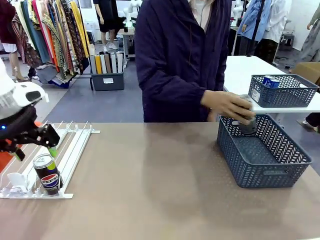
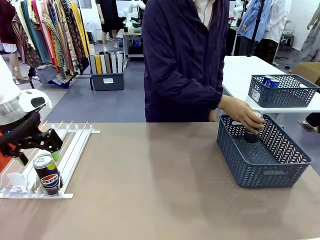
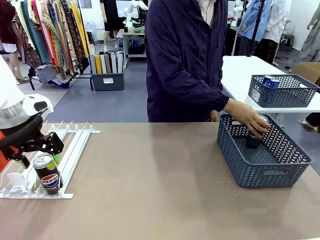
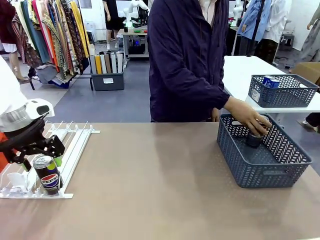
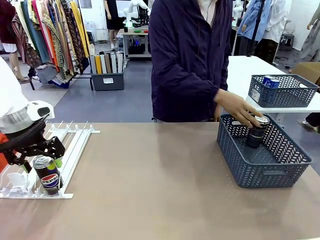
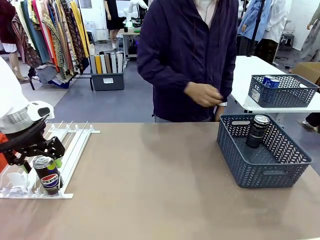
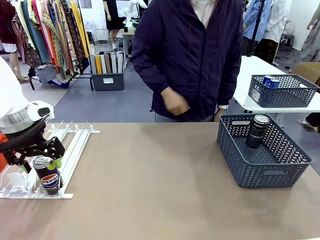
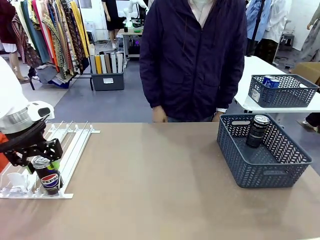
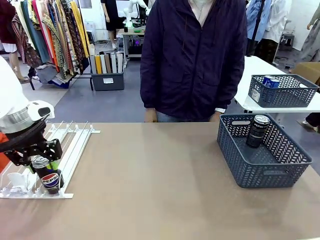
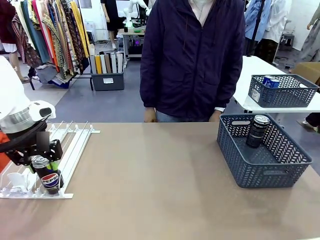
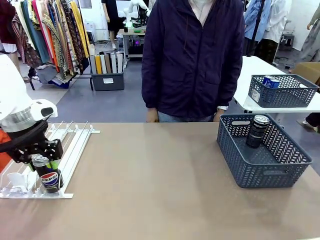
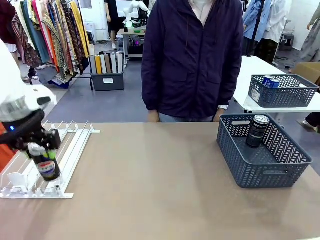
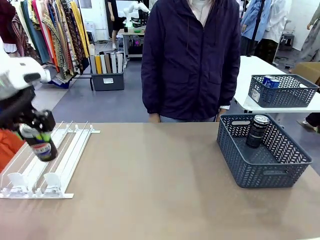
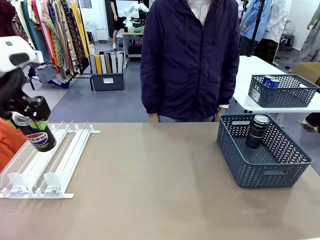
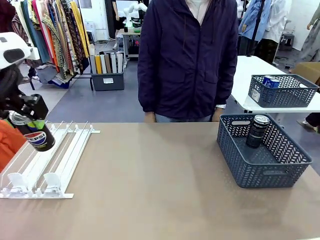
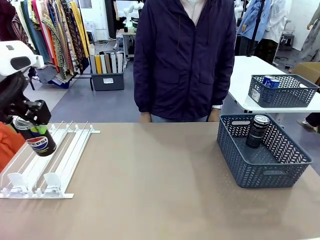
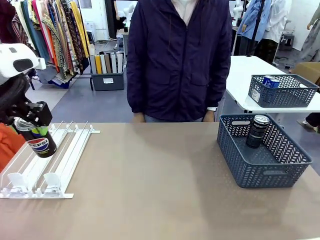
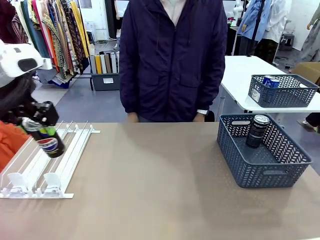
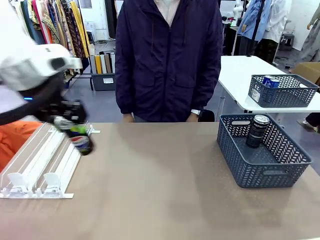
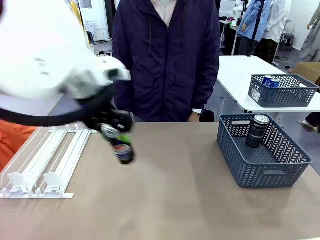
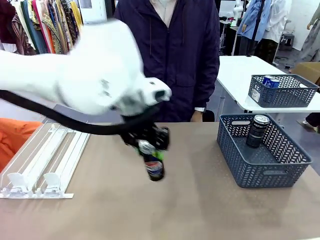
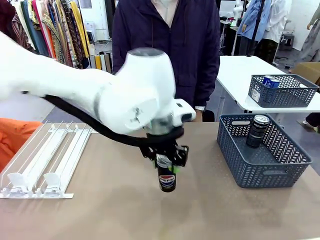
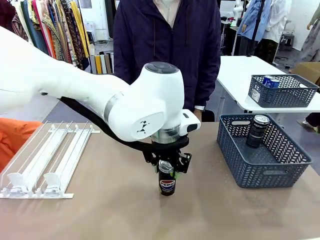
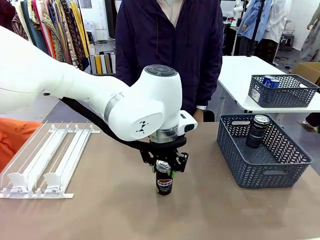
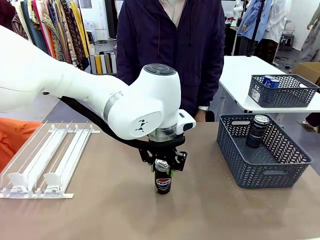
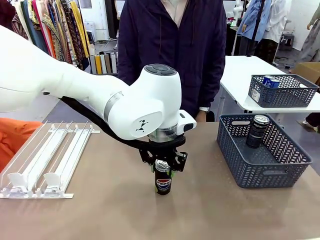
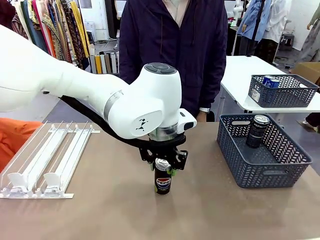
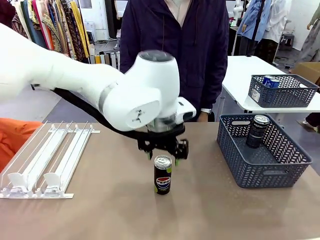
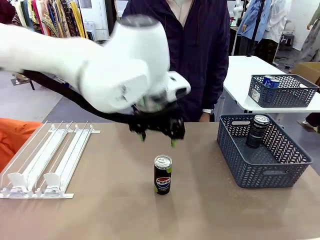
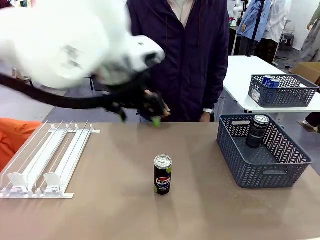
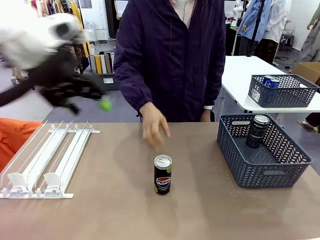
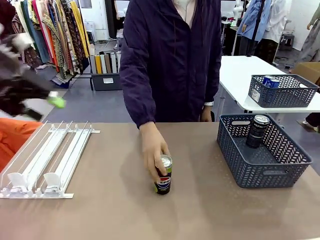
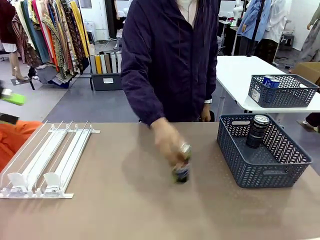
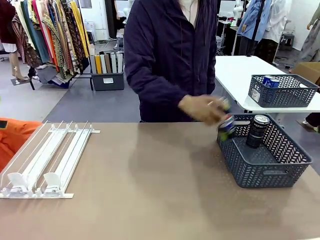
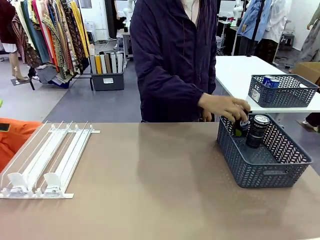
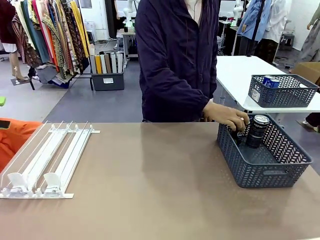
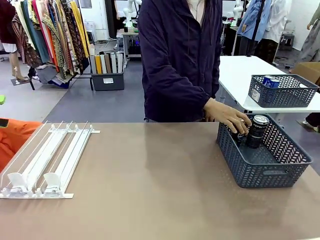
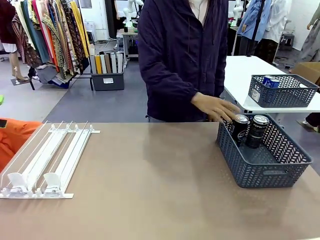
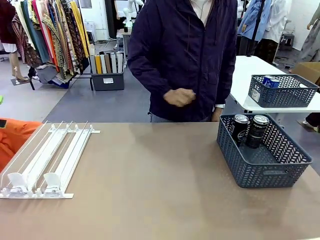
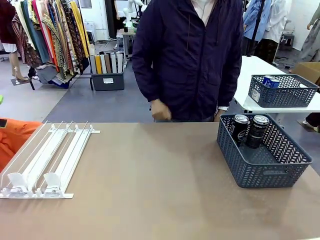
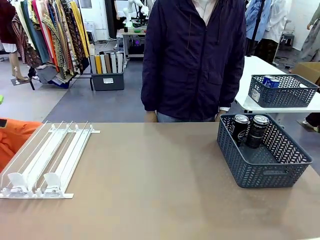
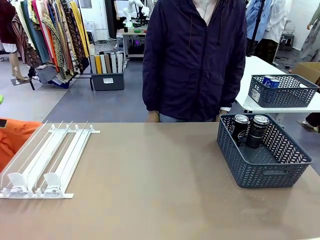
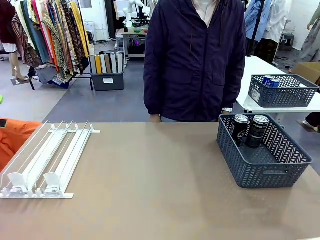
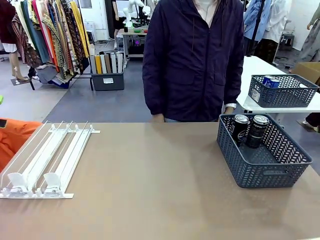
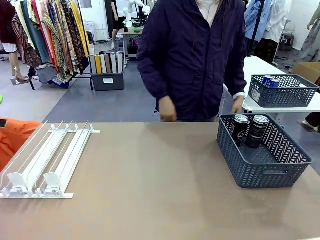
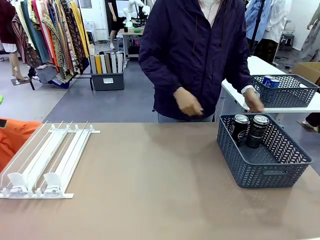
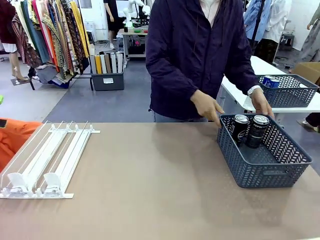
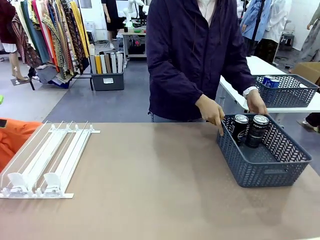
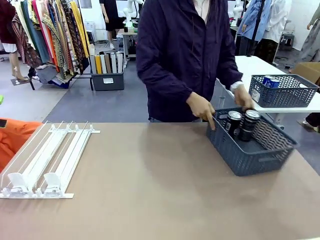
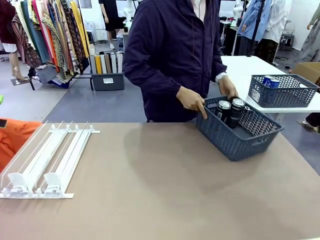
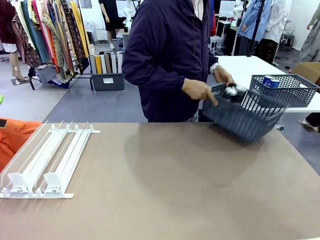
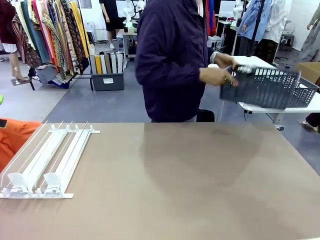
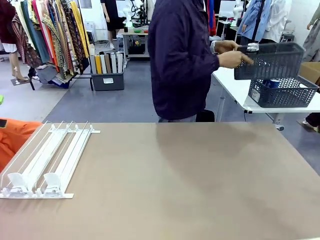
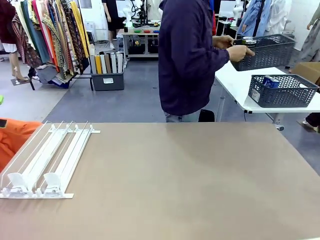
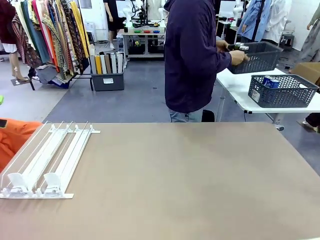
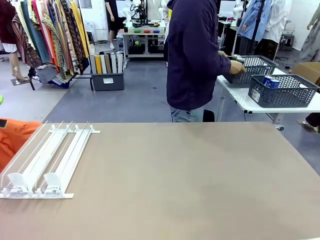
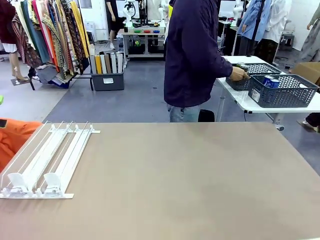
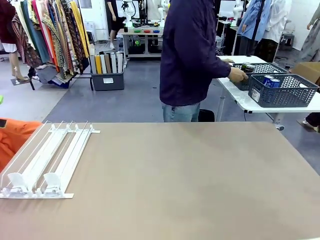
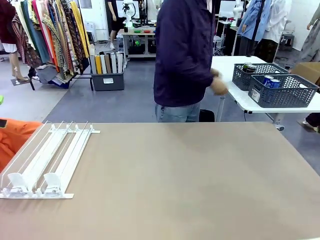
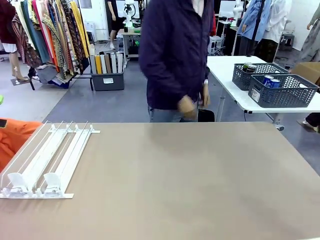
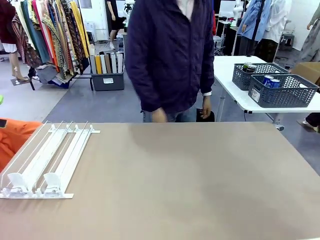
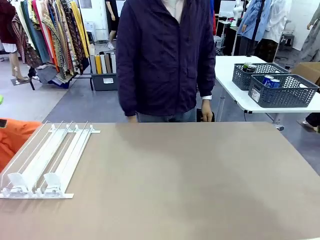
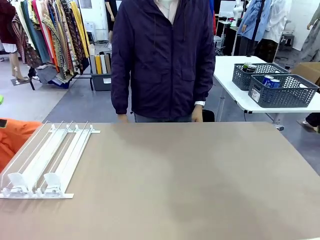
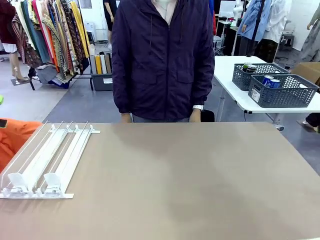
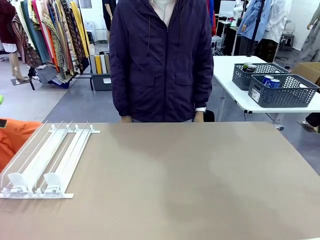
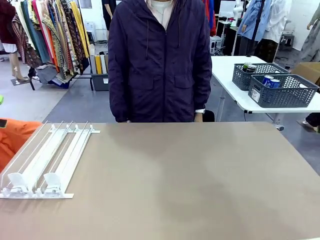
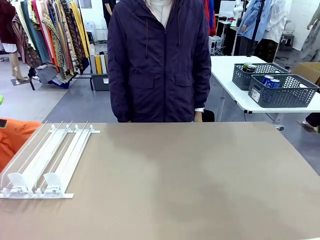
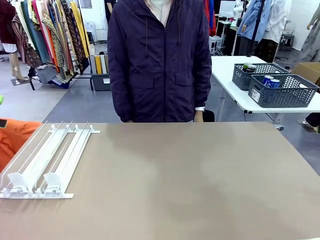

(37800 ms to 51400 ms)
Task: Retrieve and store the cans from the dispenser.
Robot: Pick up one can from the Automatic Can Dispenser and place it in the middle of the table.
Person: Pick up one sports drink can from the middle of the robot table and place it in the basket. Pick up the basket and place it in the middle of the human table.

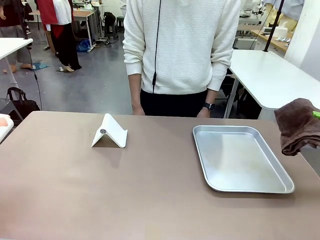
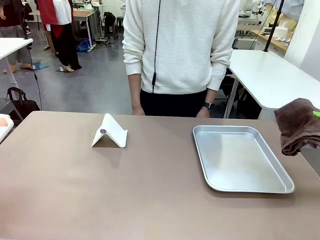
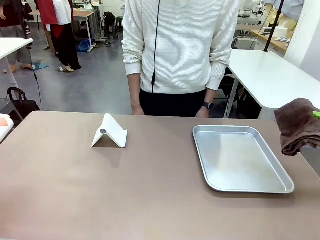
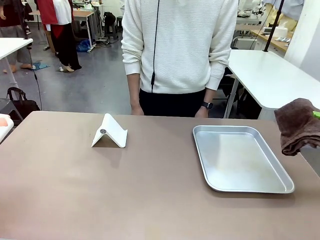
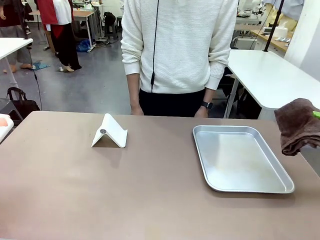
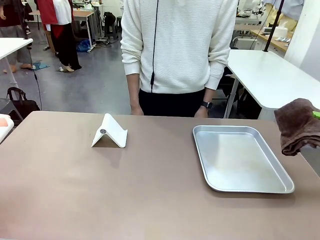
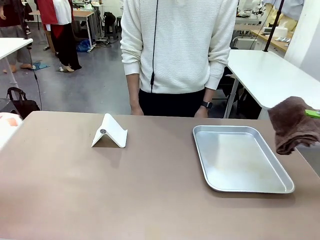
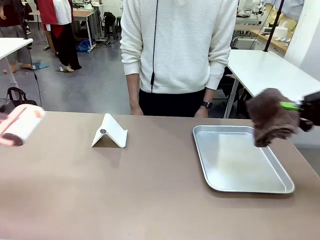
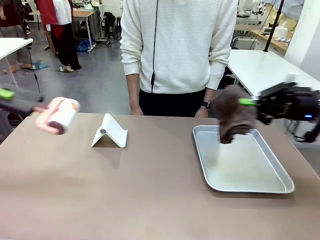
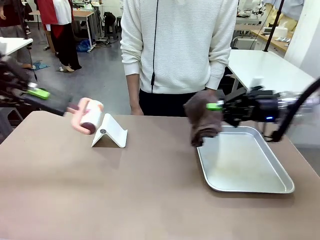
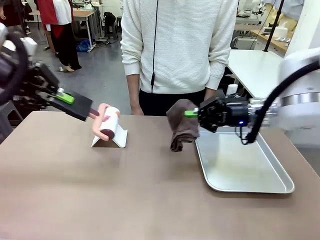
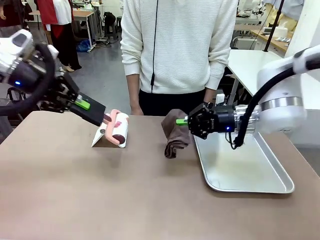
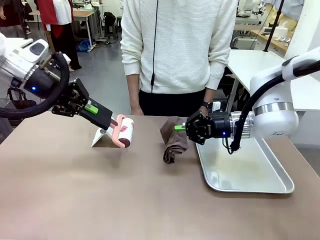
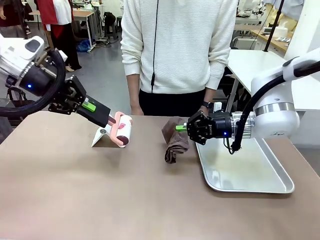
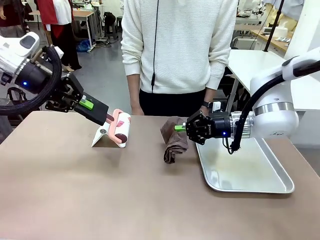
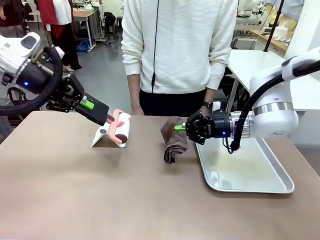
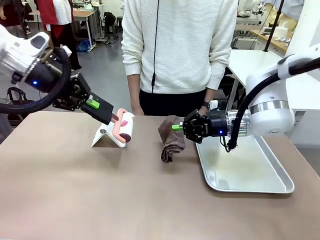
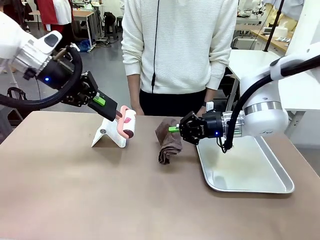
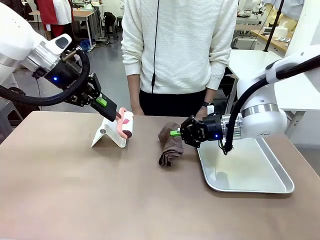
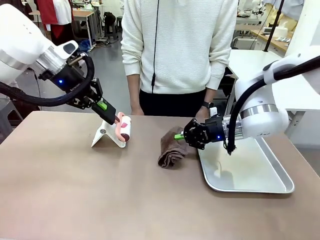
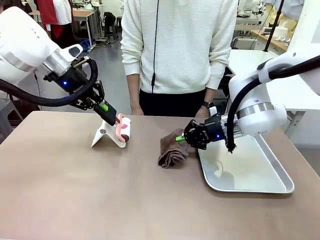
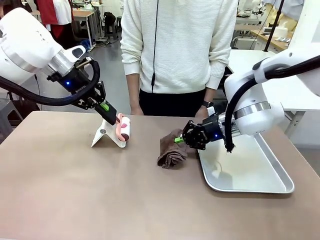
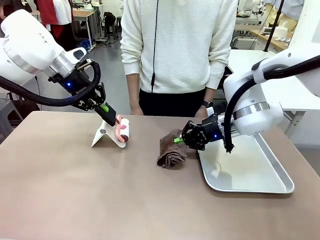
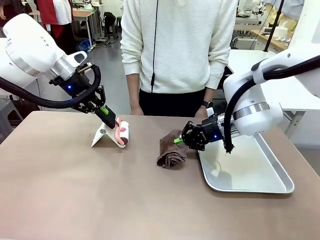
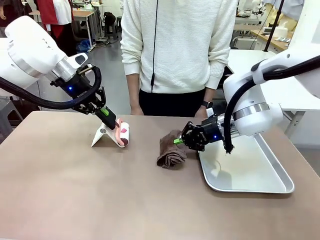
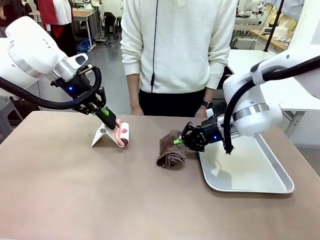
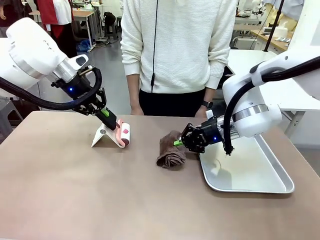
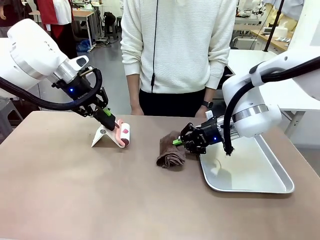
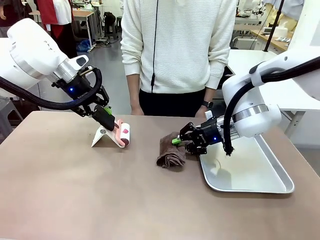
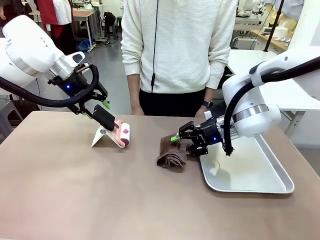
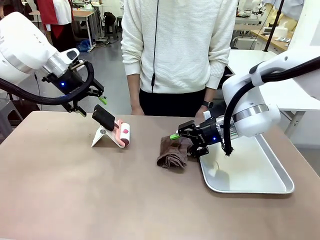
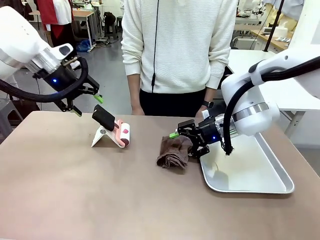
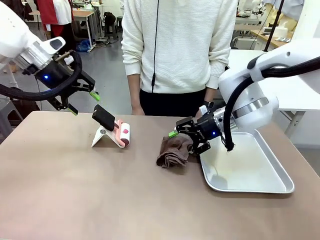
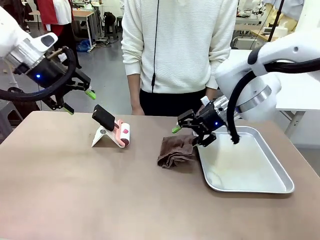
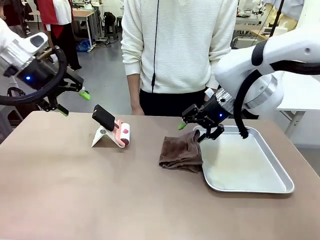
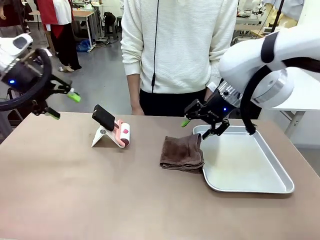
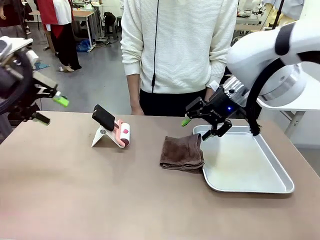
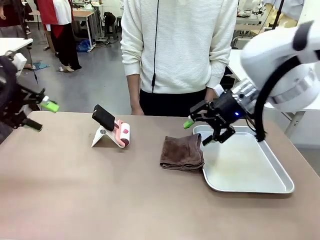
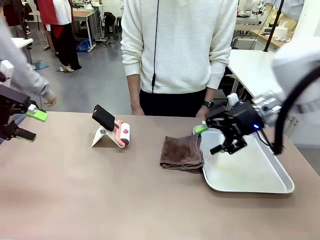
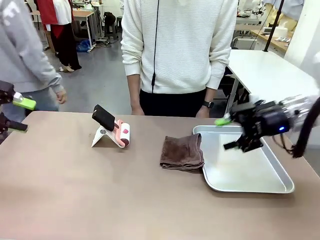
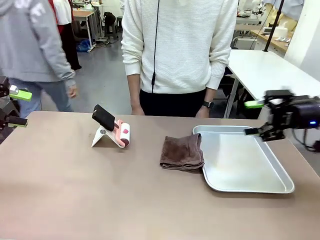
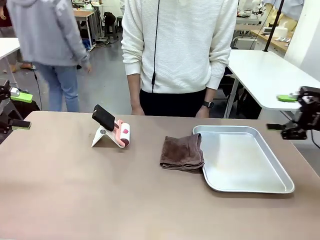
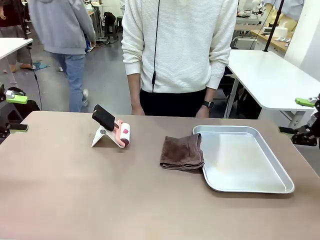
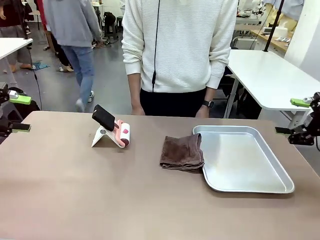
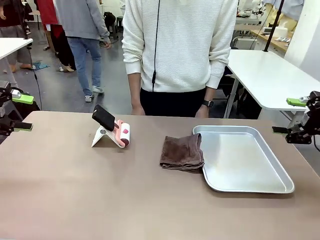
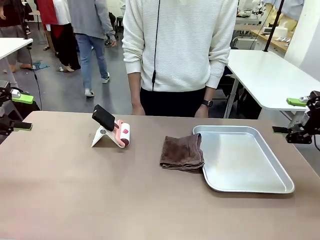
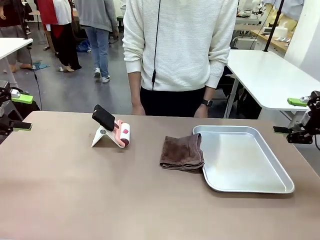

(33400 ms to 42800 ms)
Task: Clean the surface of the table.
Robot: Return the Lint Roller and towel to their original positions.
